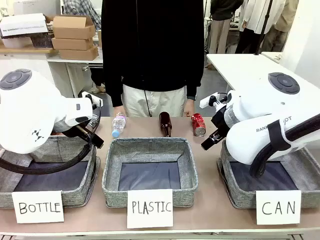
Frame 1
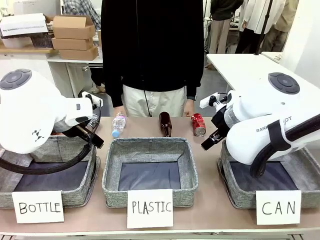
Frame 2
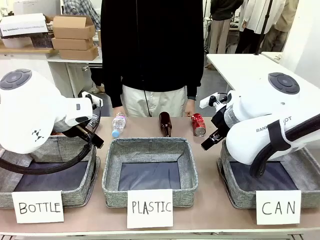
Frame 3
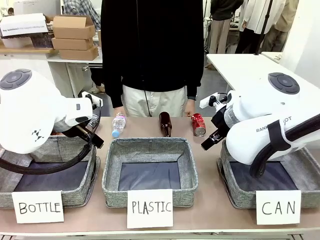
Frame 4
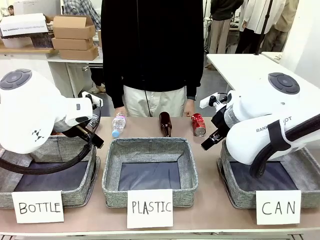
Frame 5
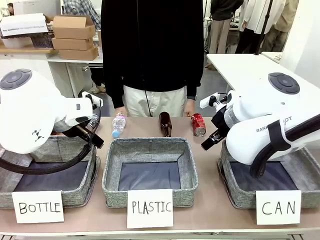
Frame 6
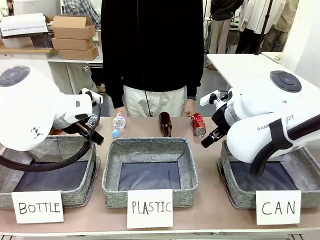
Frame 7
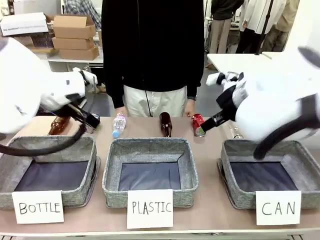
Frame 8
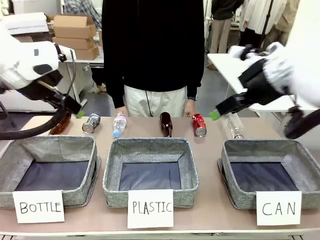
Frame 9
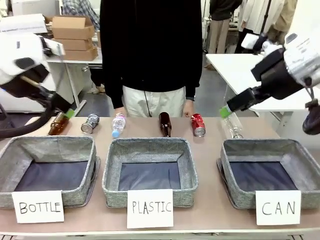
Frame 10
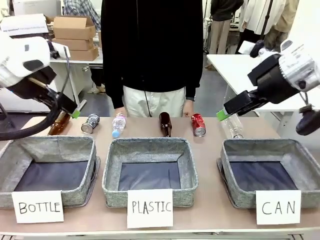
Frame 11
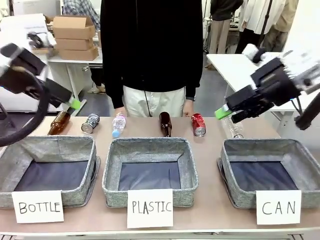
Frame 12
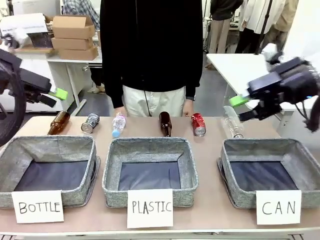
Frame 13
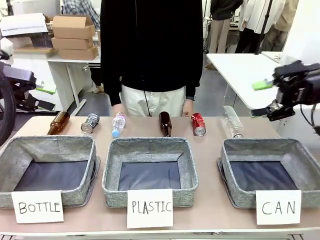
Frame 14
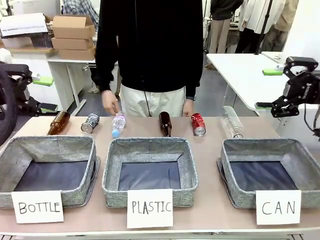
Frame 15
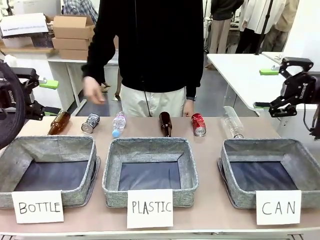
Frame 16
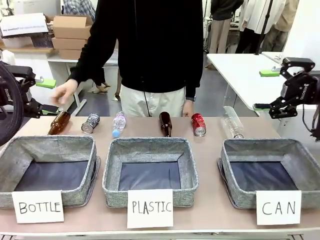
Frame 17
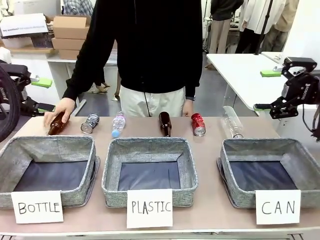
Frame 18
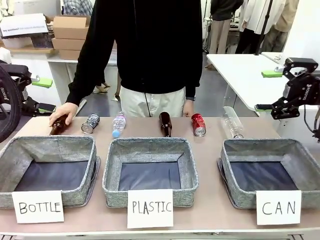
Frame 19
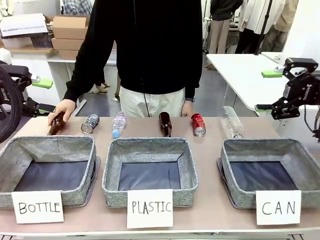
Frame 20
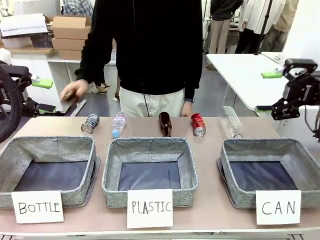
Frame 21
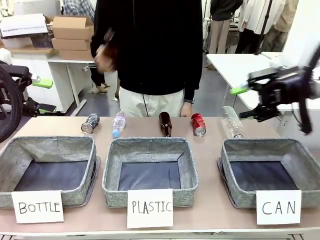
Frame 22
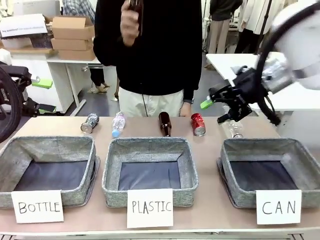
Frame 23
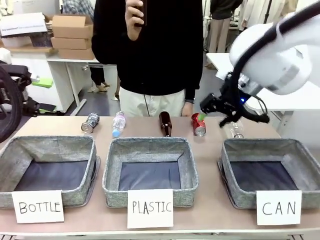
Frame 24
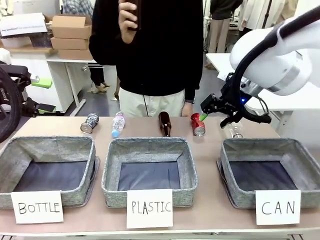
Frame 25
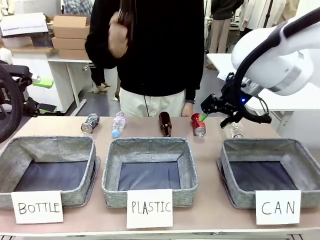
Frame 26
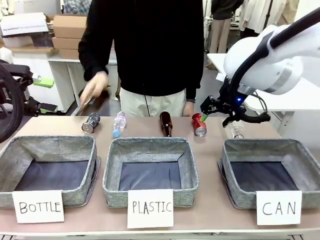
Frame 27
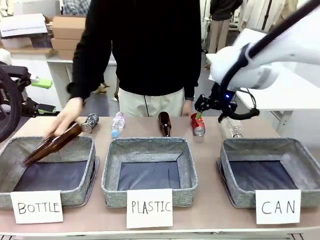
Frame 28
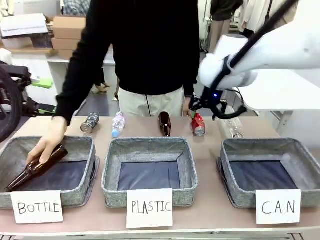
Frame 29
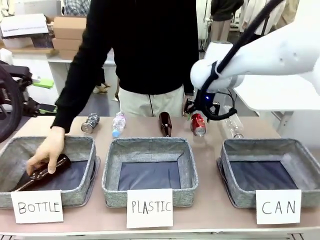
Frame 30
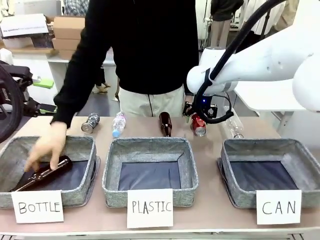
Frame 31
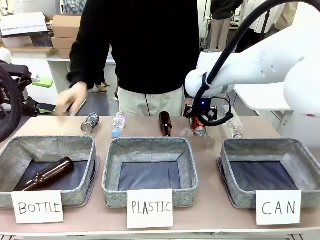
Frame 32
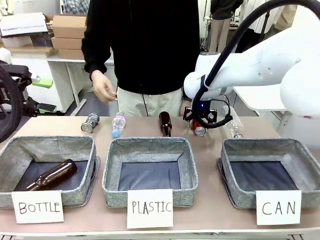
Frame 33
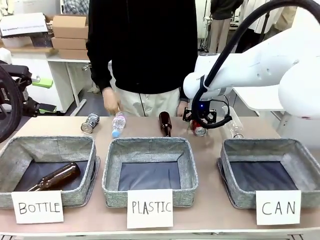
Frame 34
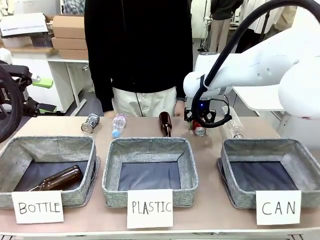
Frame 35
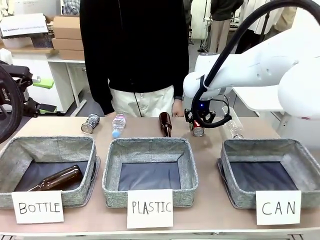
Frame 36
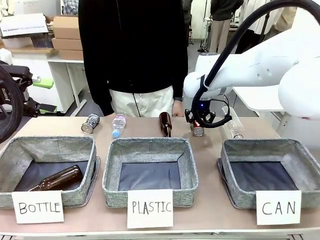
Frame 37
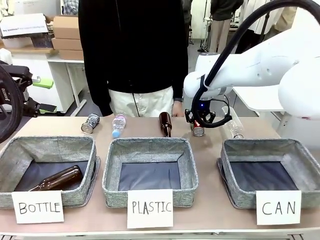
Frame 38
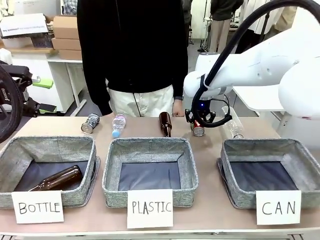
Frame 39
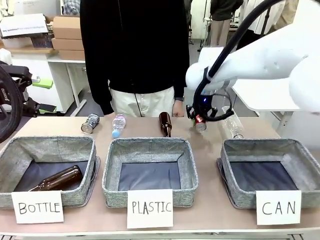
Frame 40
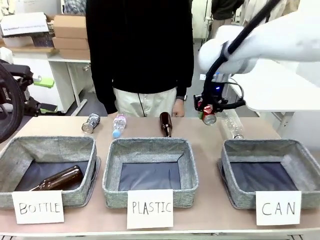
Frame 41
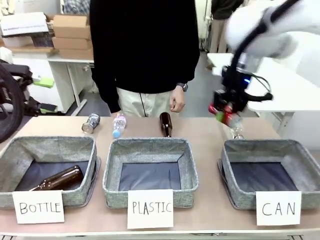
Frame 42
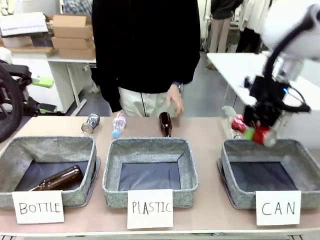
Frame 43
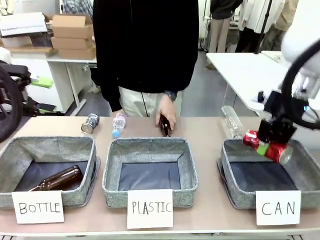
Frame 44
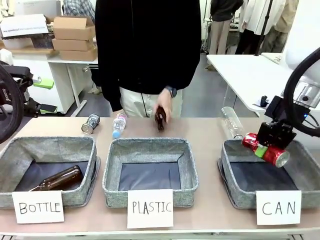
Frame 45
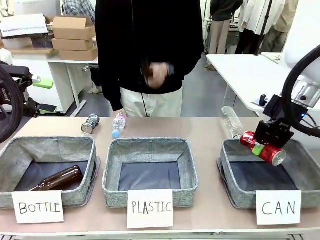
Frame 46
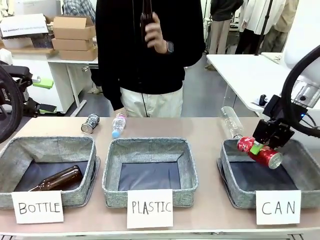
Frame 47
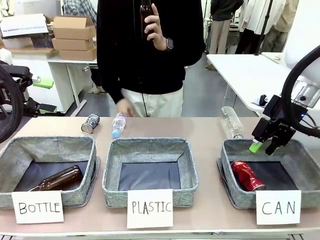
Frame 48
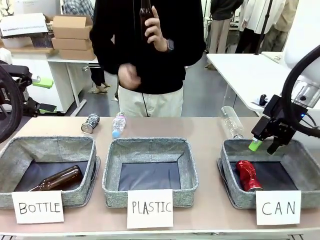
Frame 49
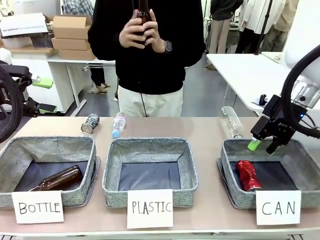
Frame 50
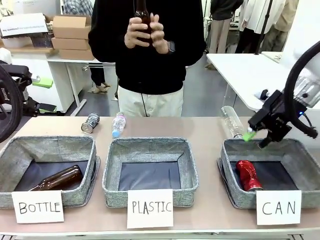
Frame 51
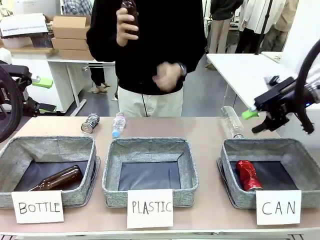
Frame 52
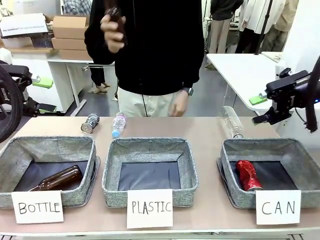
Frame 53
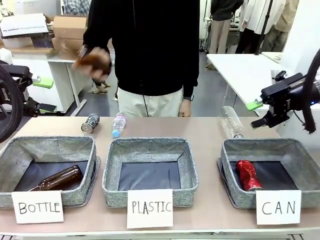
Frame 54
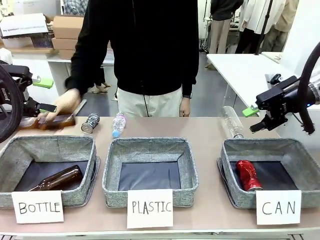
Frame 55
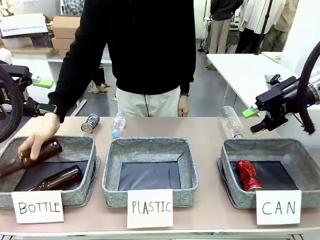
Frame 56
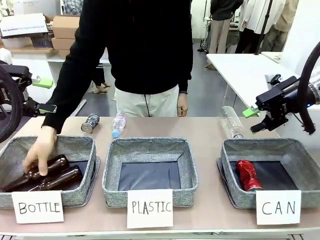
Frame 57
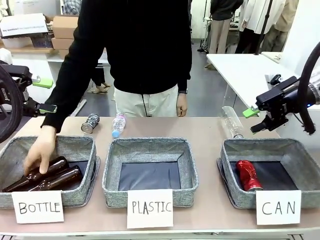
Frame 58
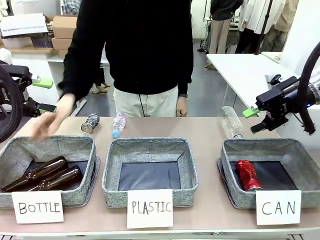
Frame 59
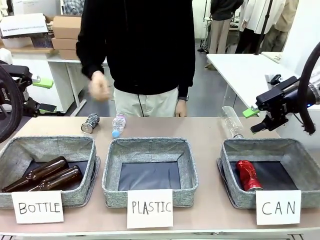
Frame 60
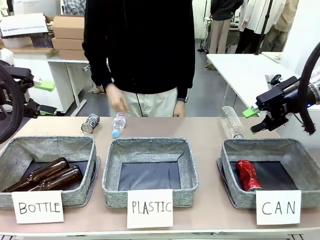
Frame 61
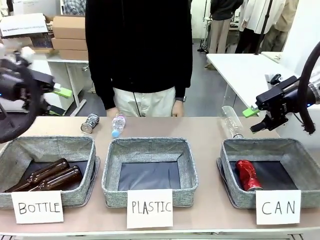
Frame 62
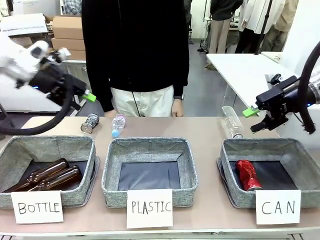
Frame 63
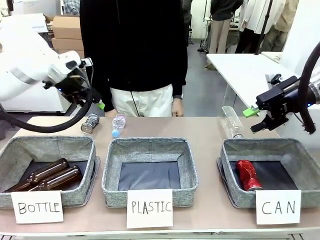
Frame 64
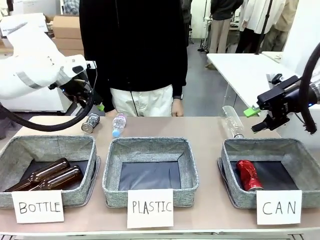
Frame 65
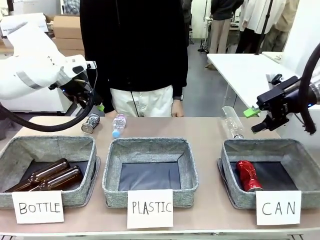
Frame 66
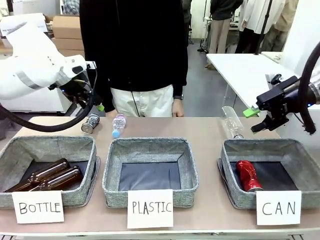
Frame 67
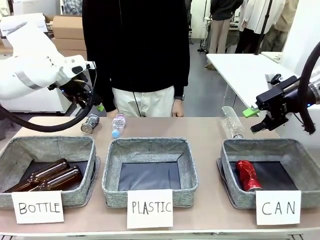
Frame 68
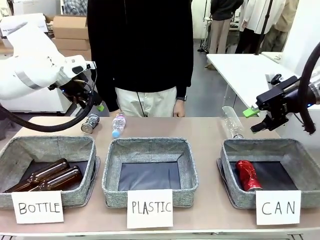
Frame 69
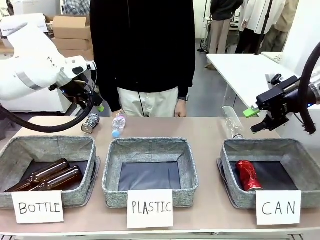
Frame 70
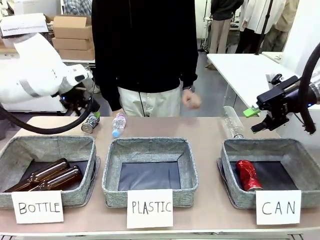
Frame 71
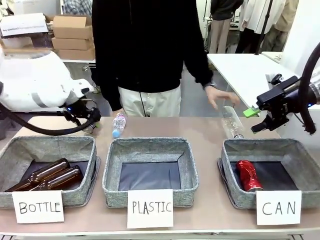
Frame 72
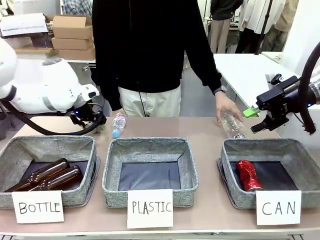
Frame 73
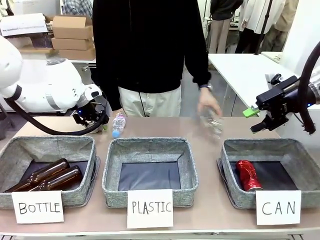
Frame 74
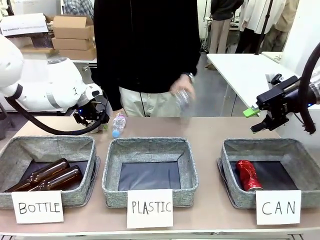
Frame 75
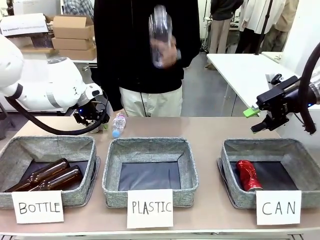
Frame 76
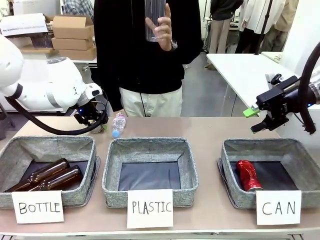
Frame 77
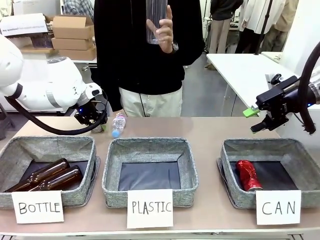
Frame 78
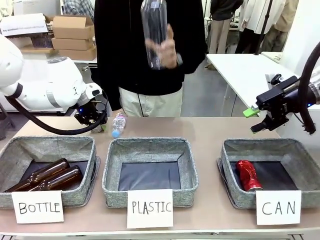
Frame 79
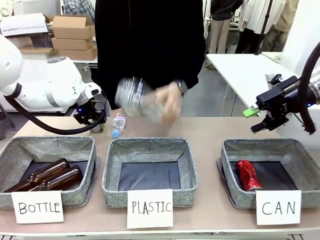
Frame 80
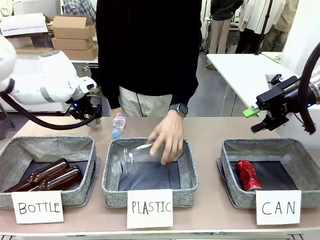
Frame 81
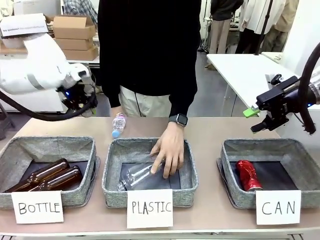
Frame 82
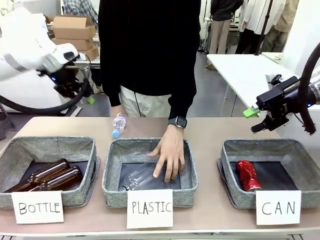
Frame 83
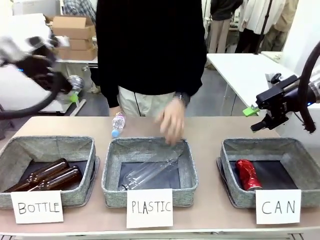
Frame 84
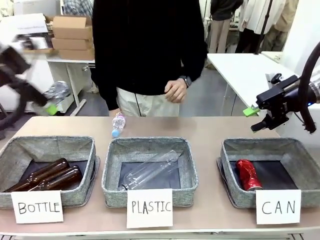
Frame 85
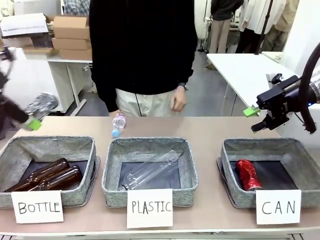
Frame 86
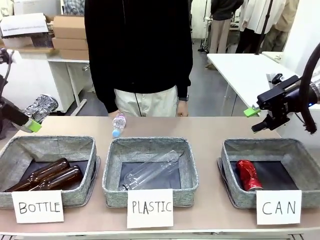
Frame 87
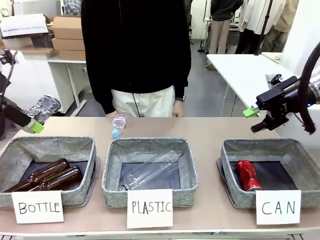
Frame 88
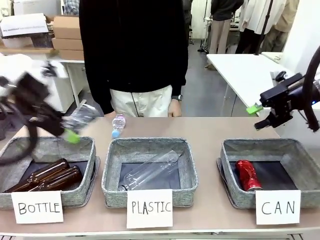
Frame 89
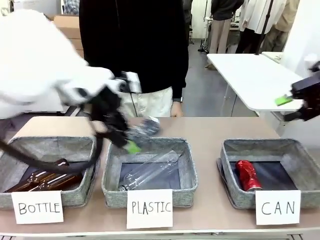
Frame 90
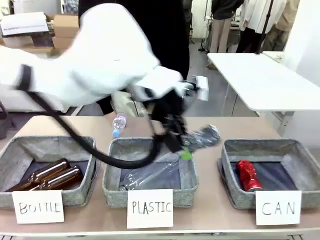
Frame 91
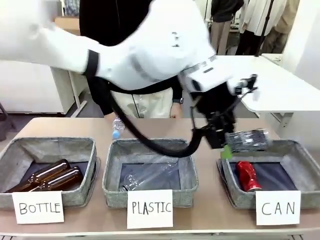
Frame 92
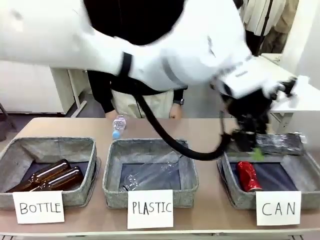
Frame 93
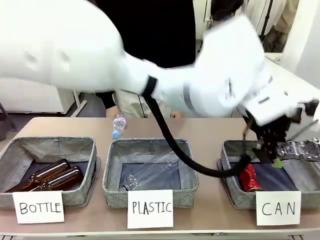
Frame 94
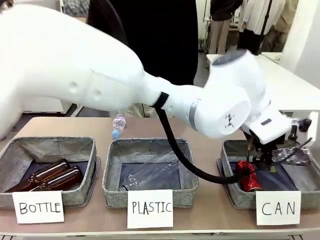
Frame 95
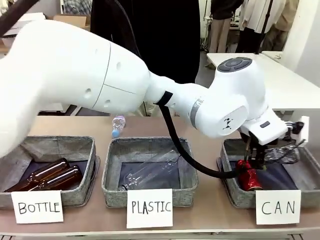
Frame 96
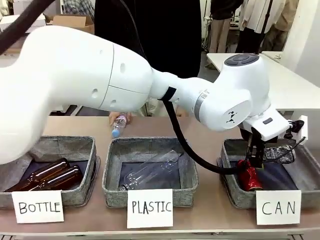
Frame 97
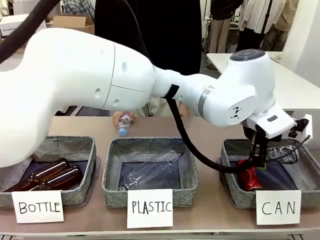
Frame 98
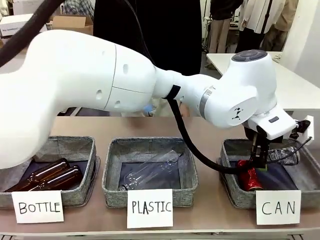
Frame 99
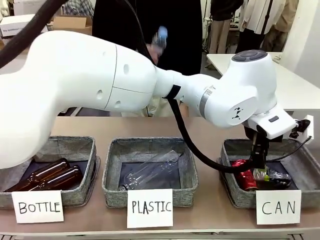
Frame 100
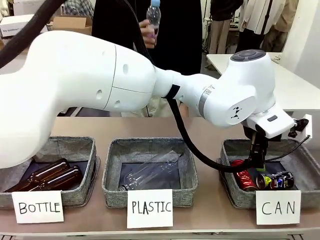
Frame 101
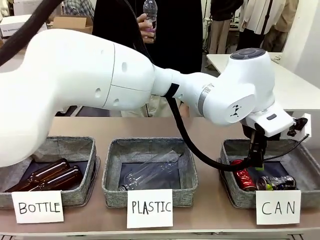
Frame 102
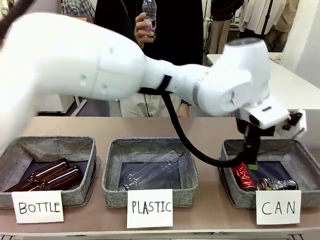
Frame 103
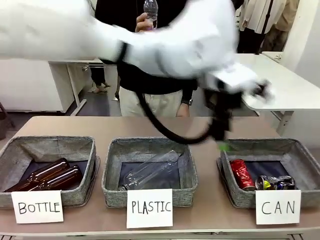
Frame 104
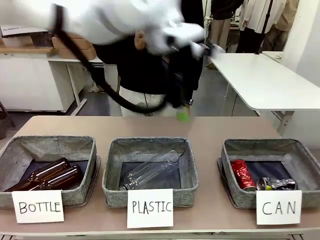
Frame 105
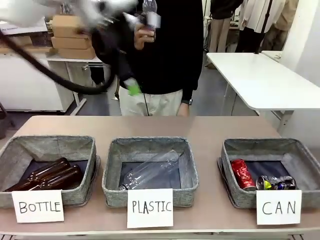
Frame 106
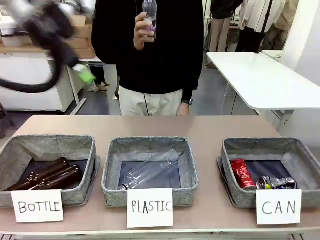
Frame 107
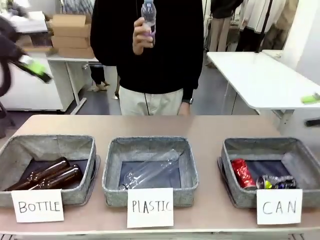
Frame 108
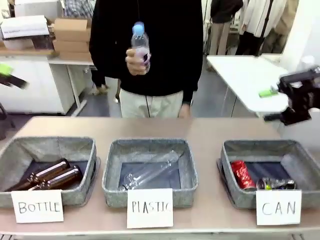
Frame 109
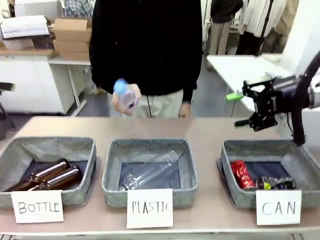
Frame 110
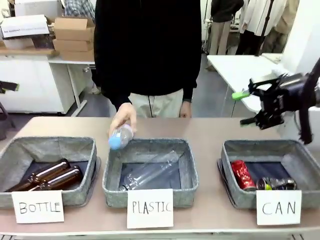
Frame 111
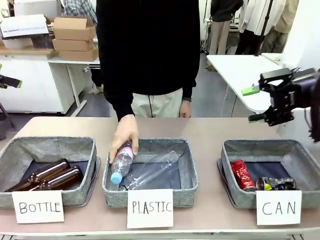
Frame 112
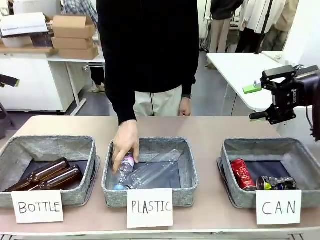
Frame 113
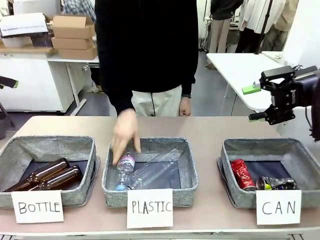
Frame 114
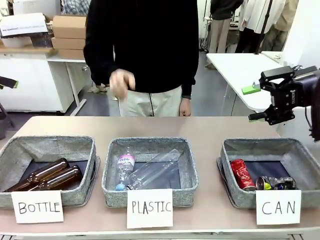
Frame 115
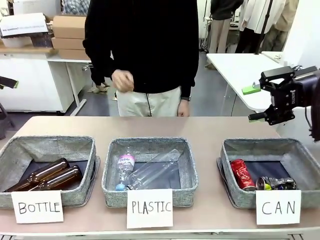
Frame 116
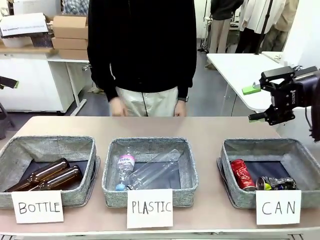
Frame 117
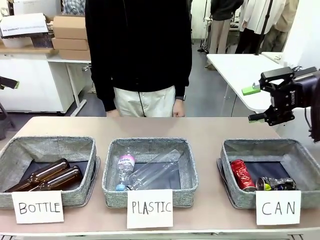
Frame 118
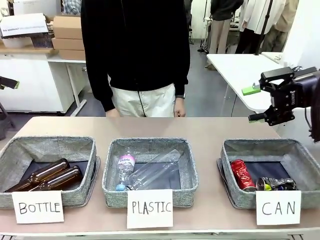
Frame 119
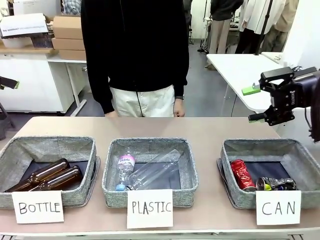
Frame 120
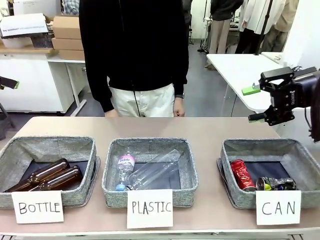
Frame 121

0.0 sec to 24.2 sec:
Task: Sort the can waste into the basket.
Robot: Pick up the can waste from the table and place it in the right Fabric basket.
Person: The human picks up one piece of trash that is not a can and places the trash into the appropriate organizing basket.
